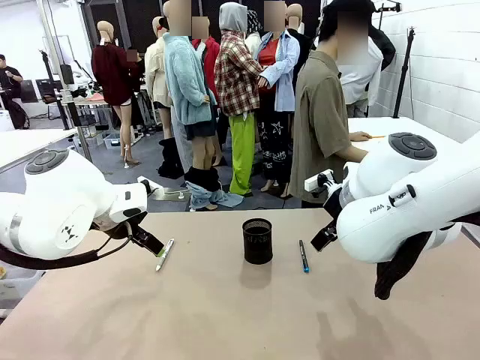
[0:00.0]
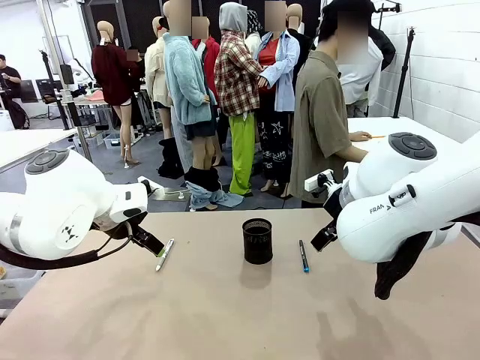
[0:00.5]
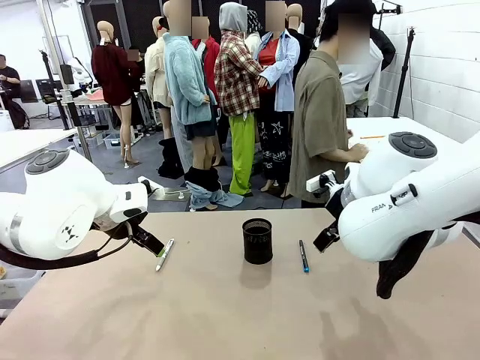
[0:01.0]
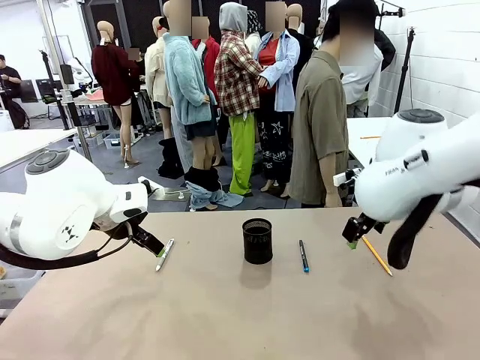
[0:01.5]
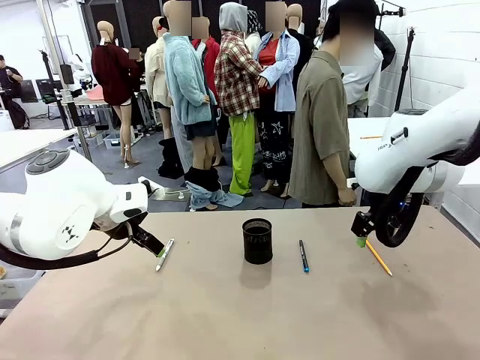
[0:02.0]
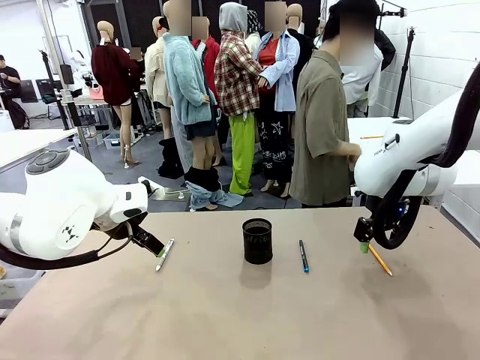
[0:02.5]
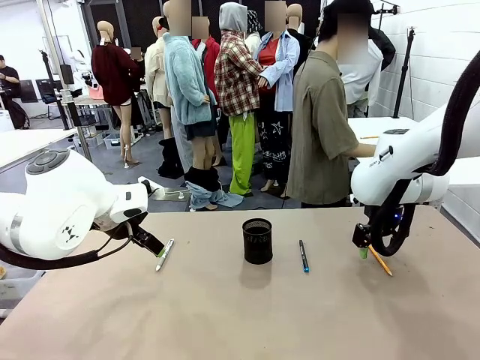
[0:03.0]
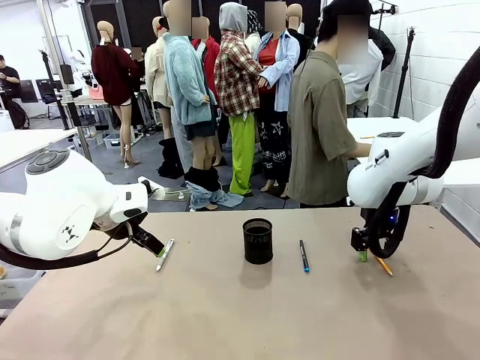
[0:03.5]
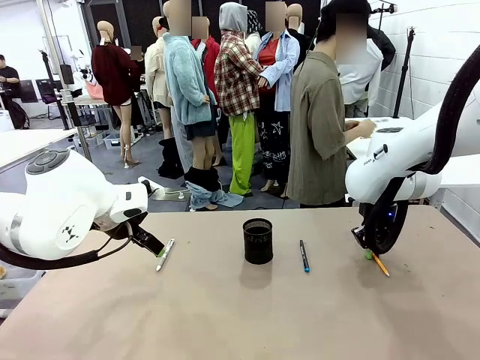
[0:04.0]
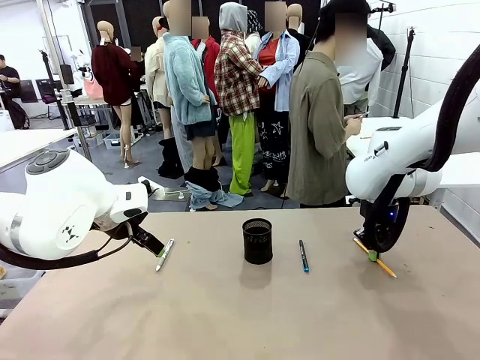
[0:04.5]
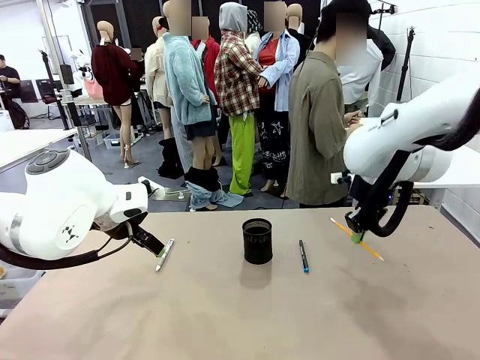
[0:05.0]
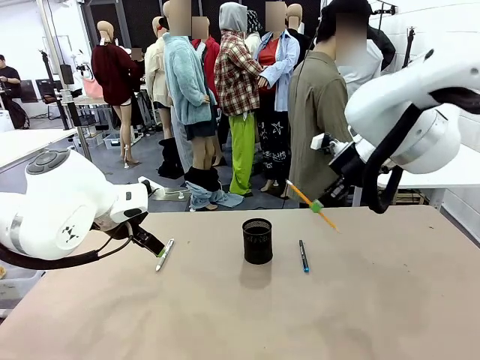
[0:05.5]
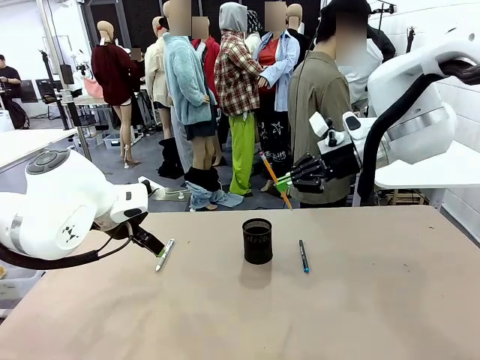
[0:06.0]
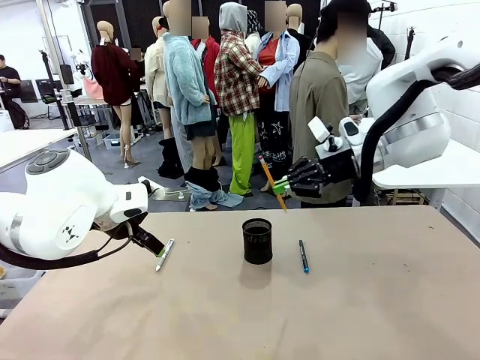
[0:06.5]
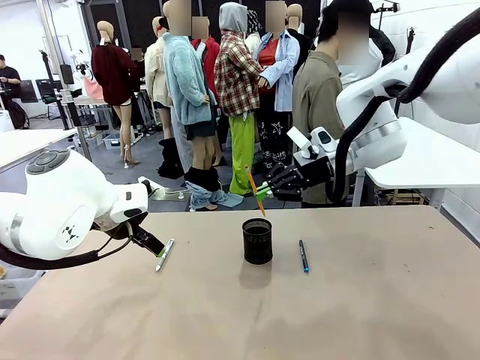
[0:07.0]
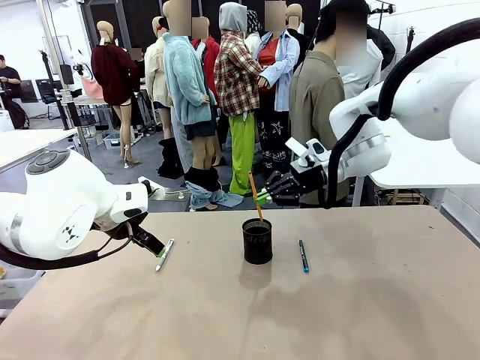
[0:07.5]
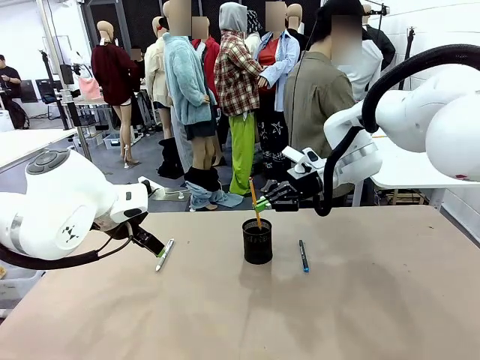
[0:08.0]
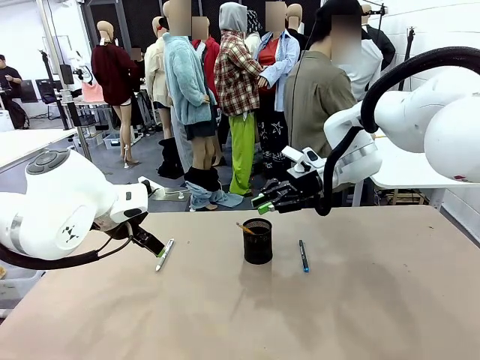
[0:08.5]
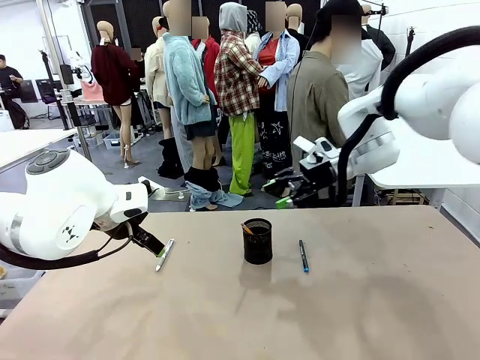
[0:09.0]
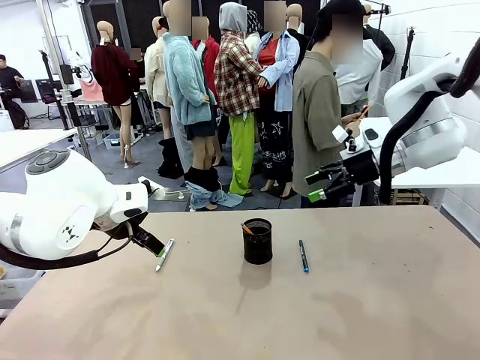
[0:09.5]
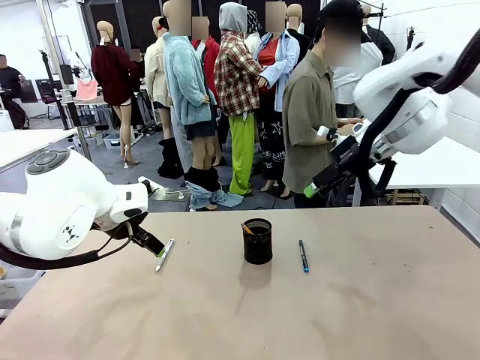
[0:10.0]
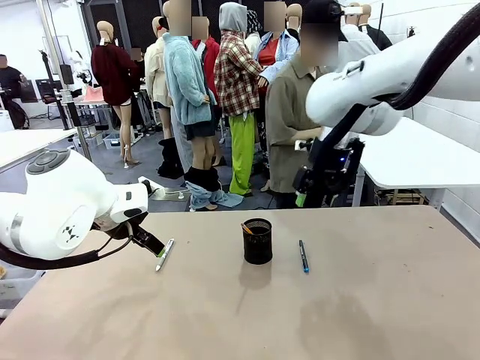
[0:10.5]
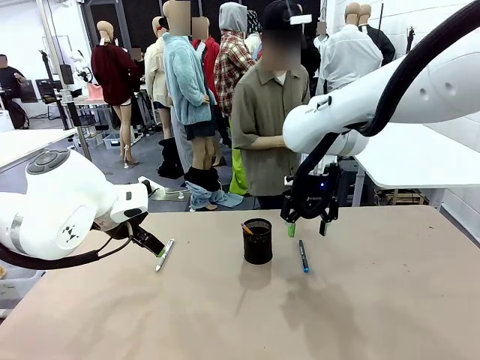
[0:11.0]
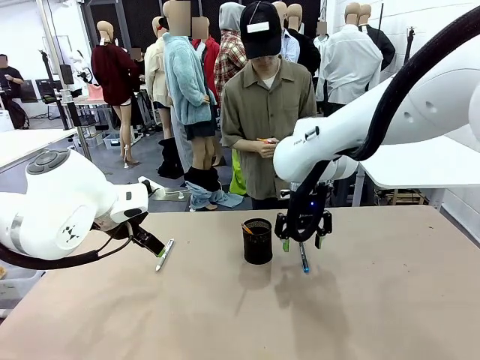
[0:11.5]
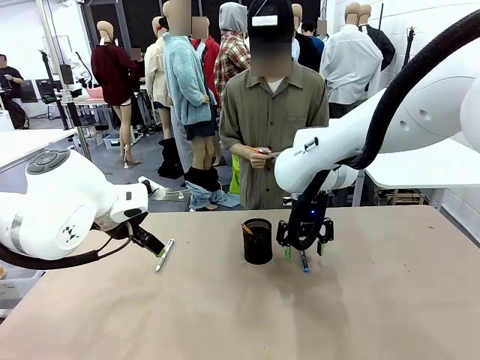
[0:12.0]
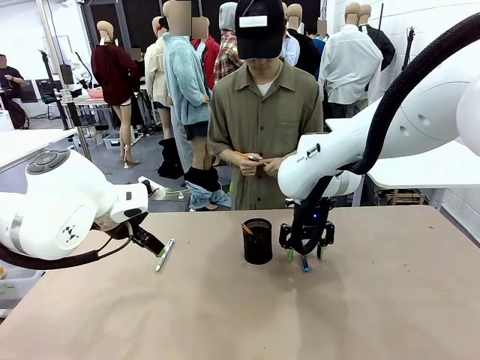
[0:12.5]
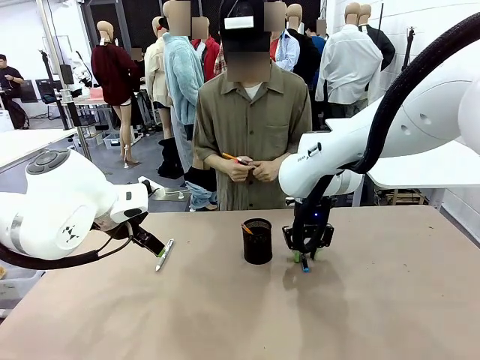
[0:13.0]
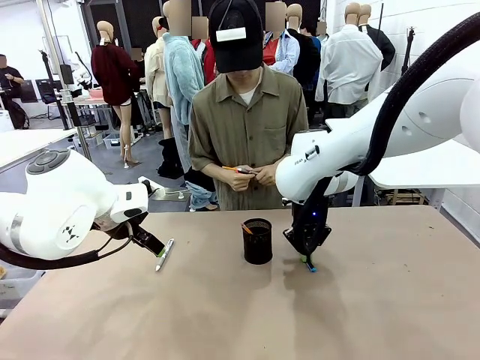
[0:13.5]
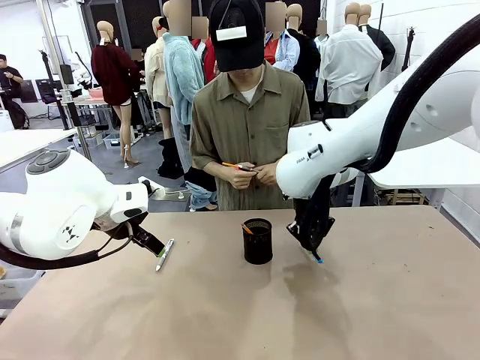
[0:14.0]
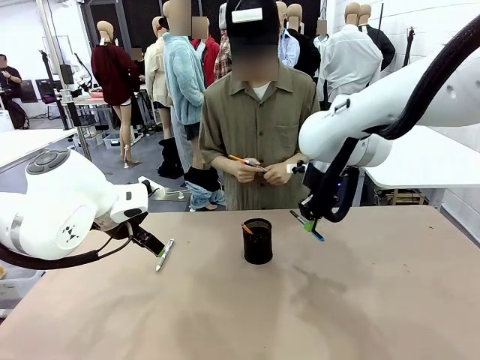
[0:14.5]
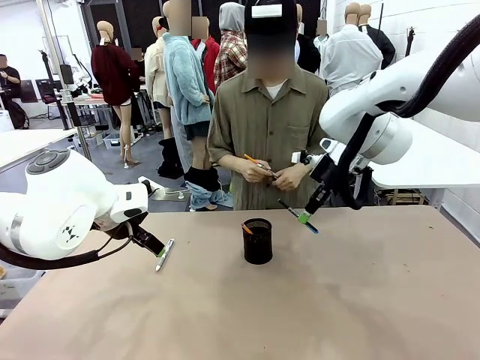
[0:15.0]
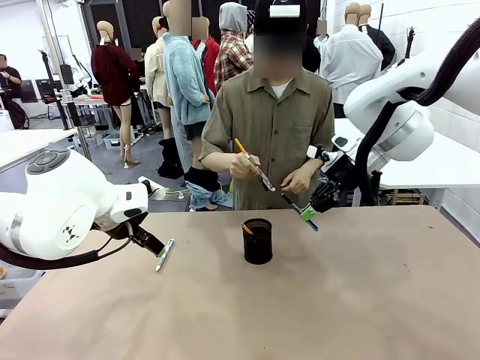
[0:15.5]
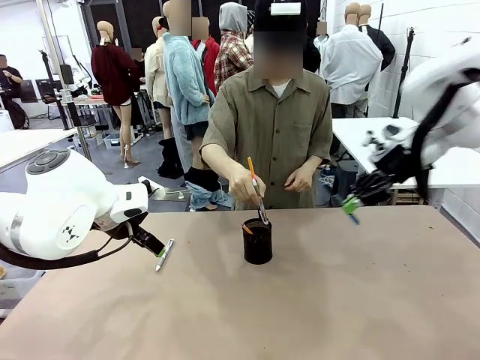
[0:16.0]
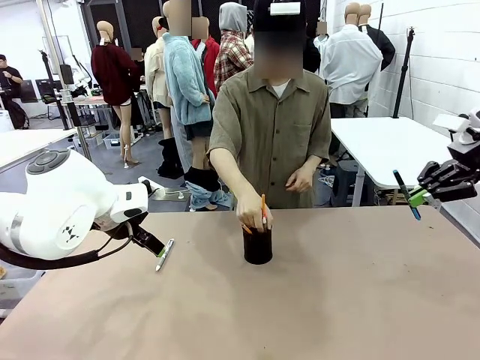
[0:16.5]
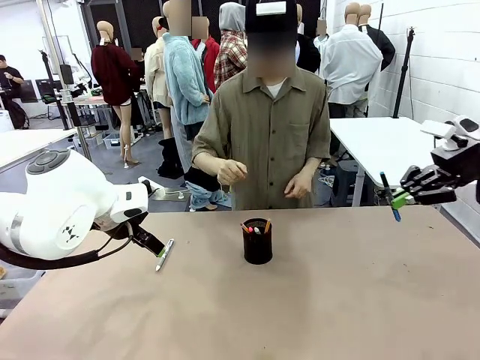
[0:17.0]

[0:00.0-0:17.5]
Task: Place the pens into the pen holder.
Robot: Pick up a writing instrument from the table and place it into the Pen holder.
Person: Pick up all writing instruments from the Human table.

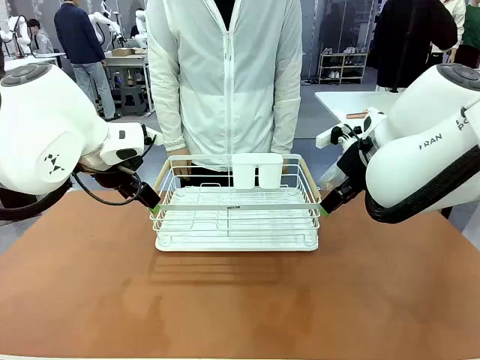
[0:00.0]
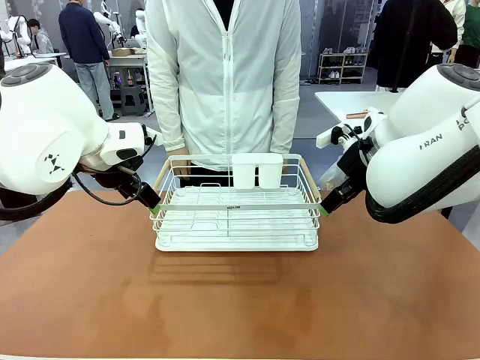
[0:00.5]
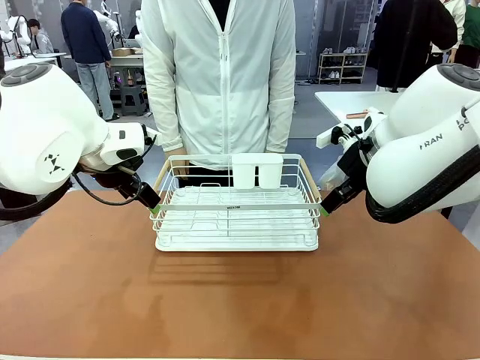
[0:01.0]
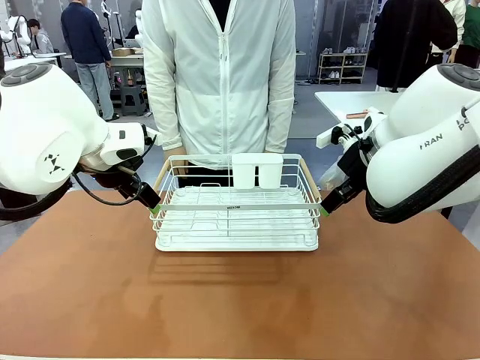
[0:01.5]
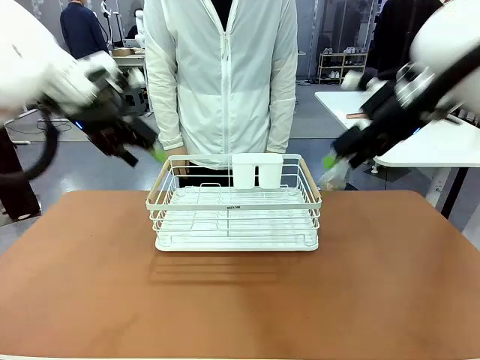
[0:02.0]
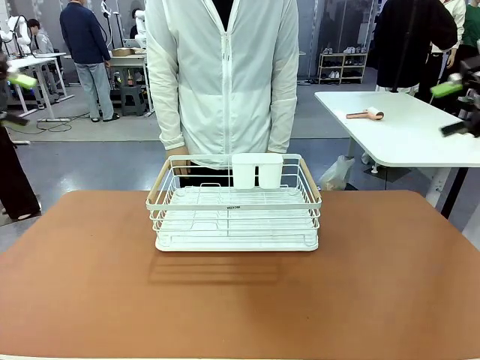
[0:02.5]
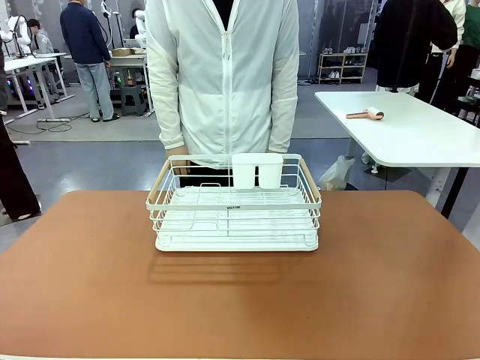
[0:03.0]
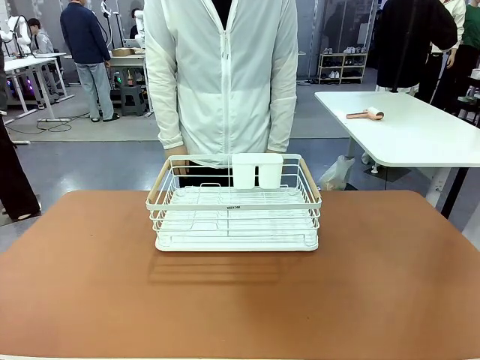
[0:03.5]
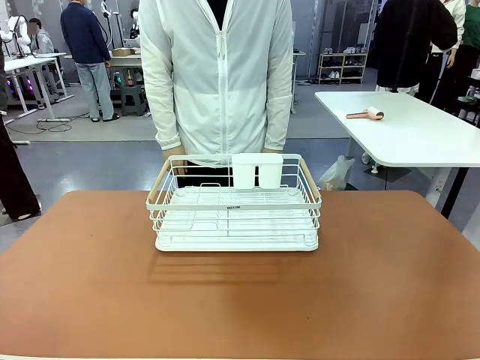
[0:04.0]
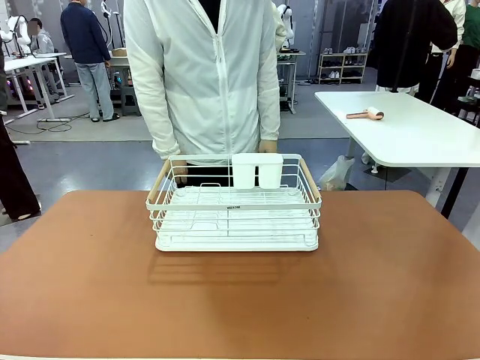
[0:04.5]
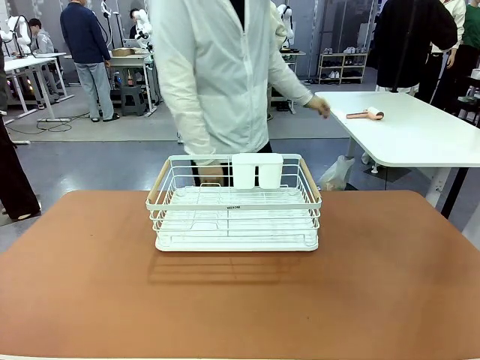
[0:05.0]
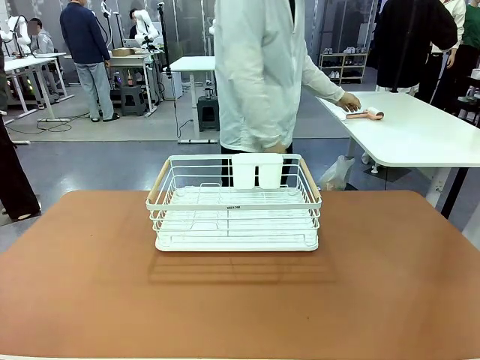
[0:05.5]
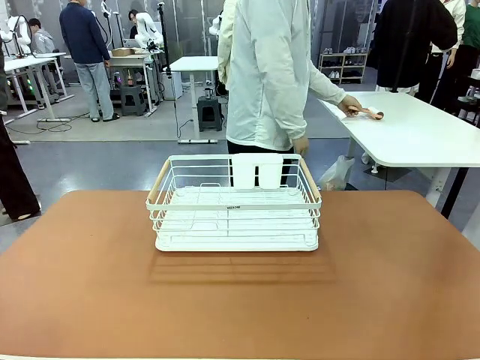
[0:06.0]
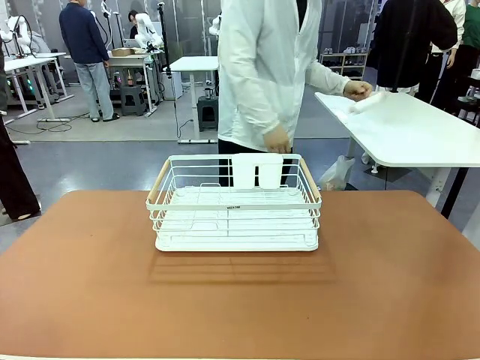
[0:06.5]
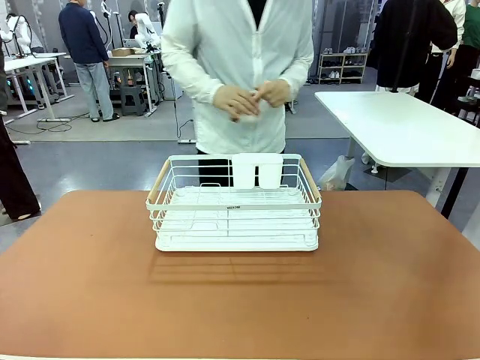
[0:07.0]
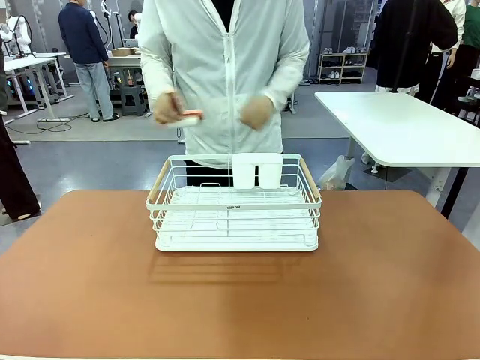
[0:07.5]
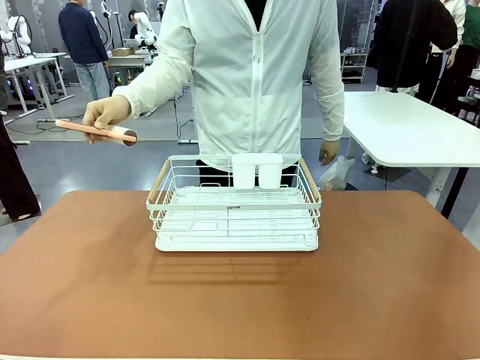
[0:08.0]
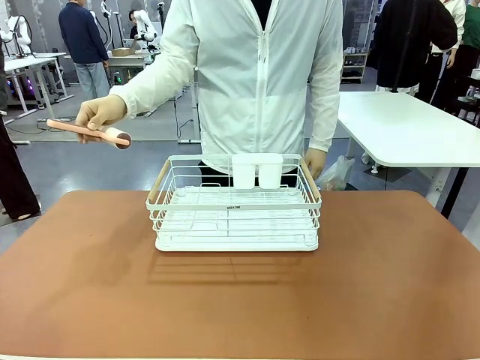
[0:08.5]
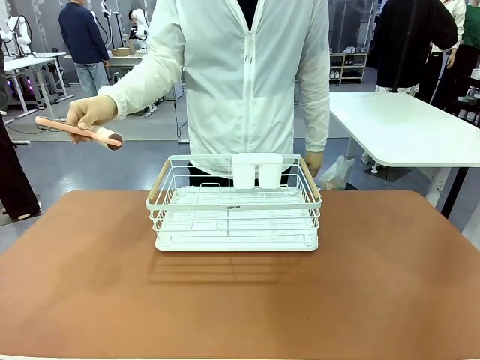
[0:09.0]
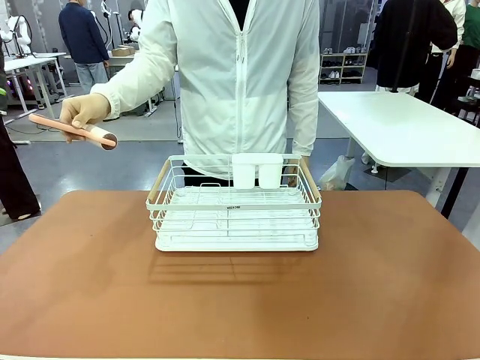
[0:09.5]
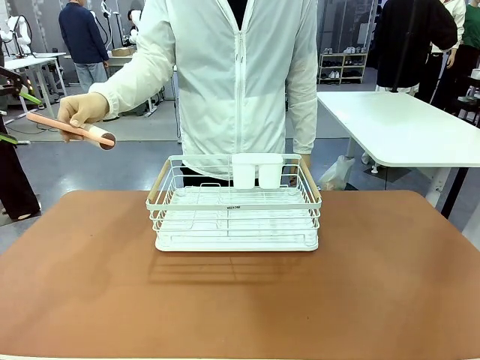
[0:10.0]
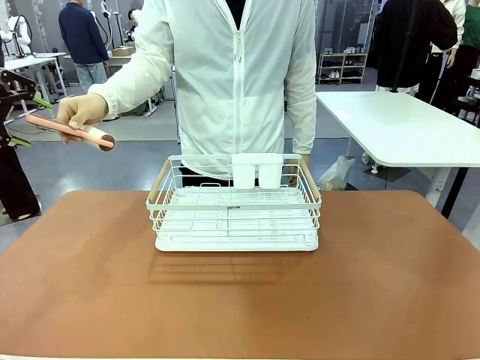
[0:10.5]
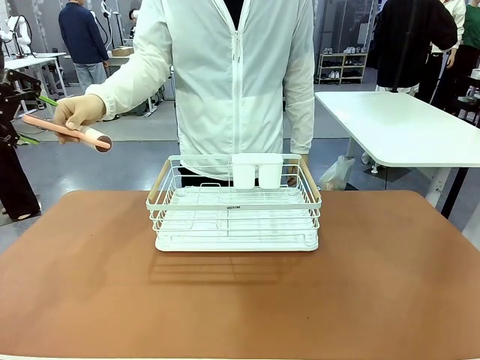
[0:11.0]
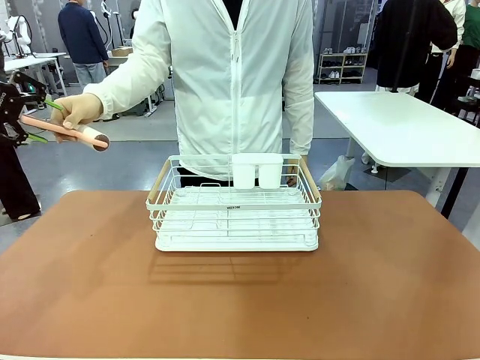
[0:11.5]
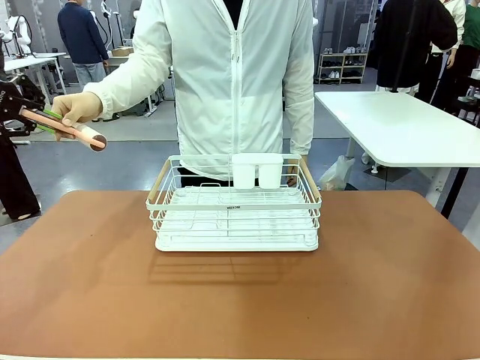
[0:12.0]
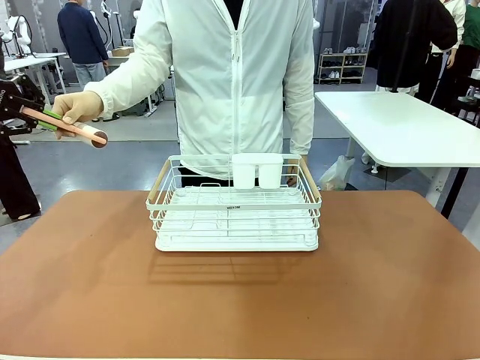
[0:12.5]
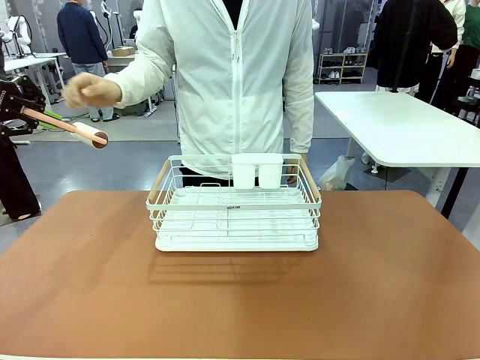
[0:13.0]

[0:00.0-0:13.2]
Task: Clean the table.
Robot: Pick up the Lint Roller when the human hands it over.
Person: Hand the Lint Roller to the robot so it can easily pick it up. Lift the Dish drying rack.
